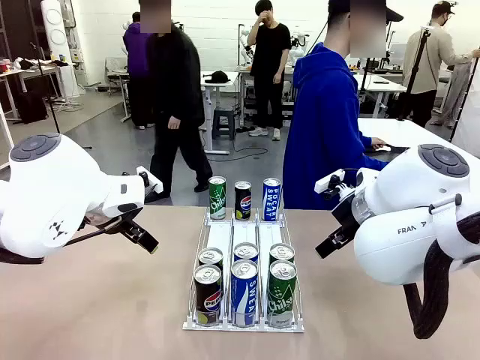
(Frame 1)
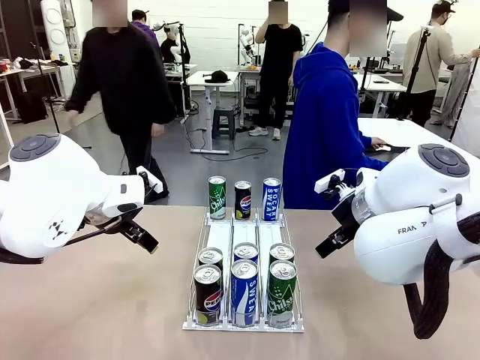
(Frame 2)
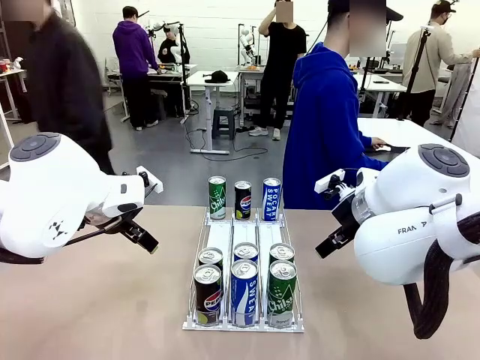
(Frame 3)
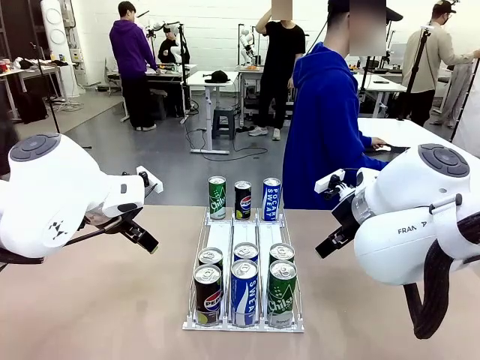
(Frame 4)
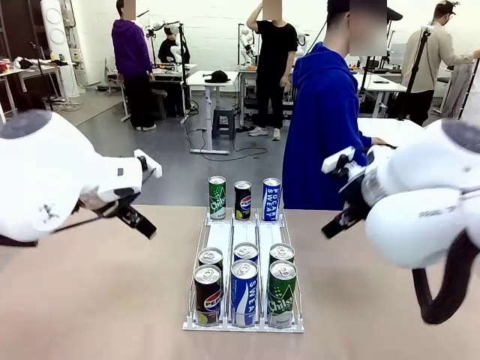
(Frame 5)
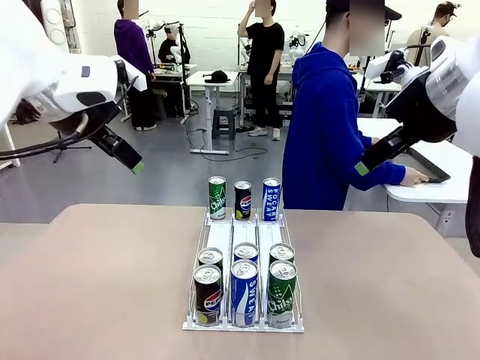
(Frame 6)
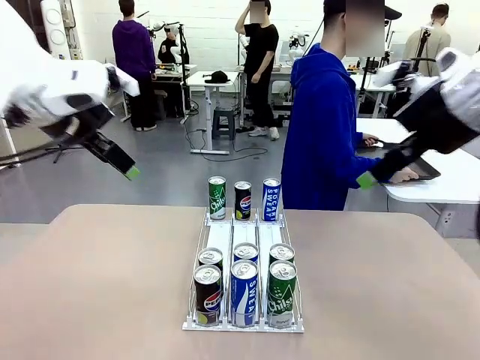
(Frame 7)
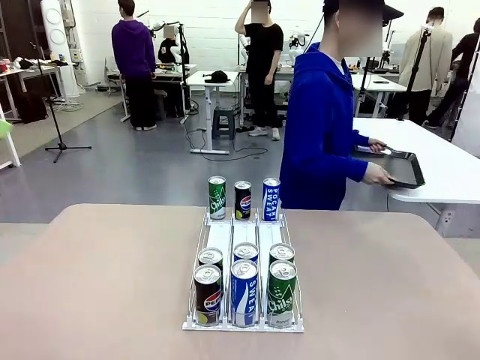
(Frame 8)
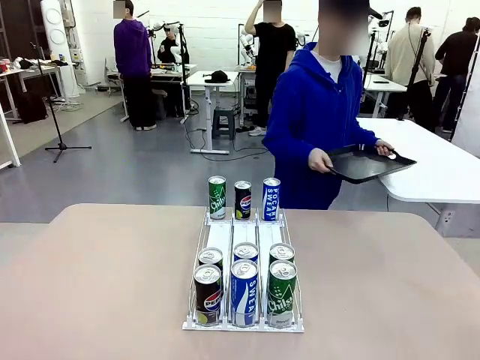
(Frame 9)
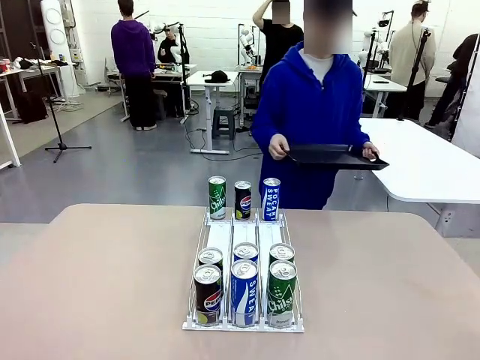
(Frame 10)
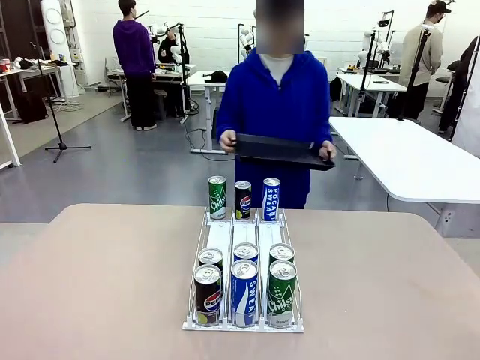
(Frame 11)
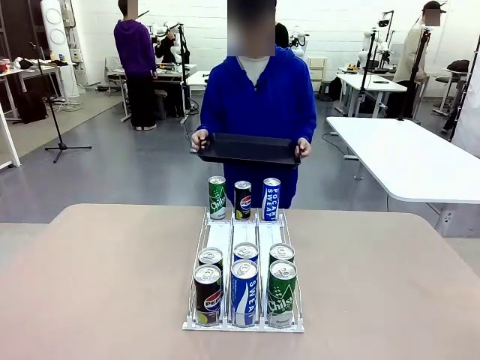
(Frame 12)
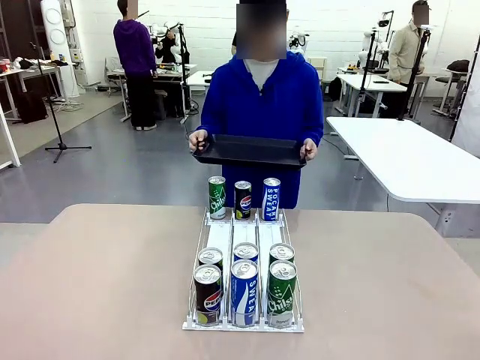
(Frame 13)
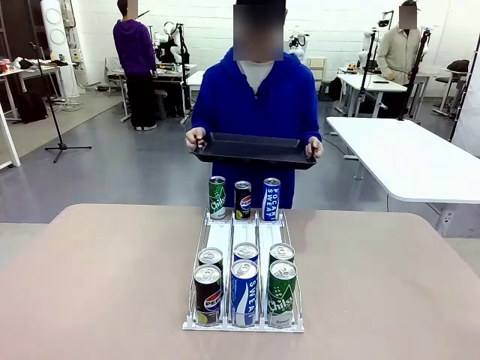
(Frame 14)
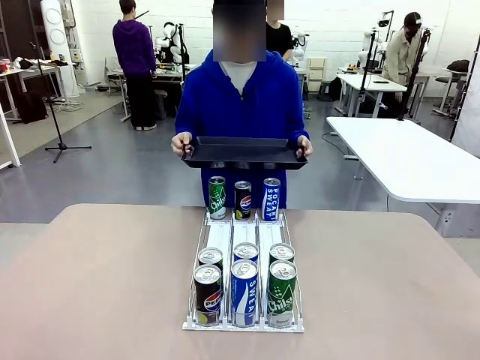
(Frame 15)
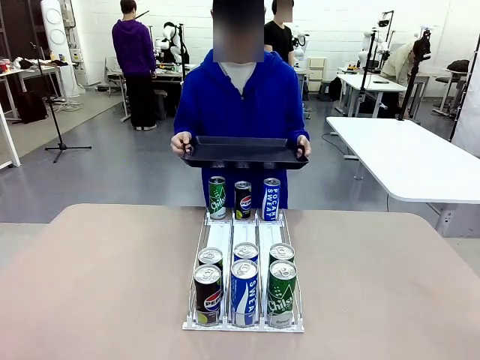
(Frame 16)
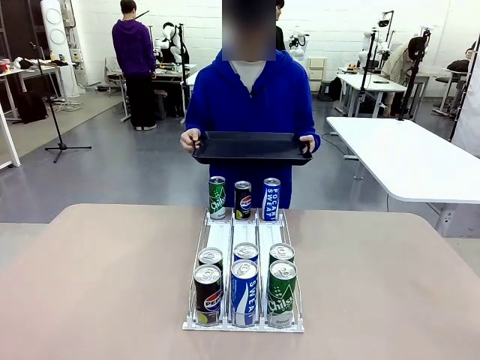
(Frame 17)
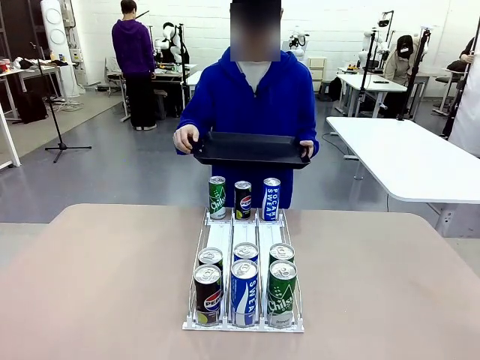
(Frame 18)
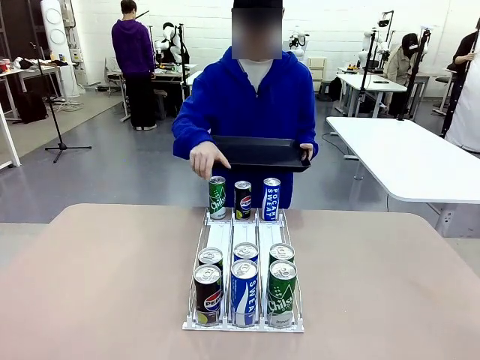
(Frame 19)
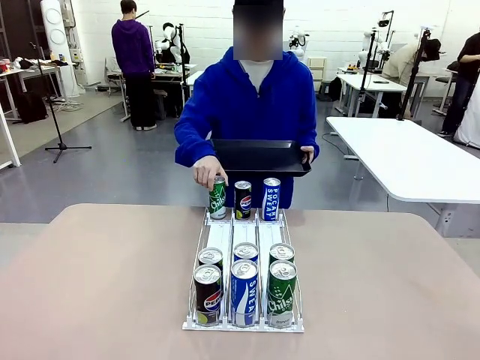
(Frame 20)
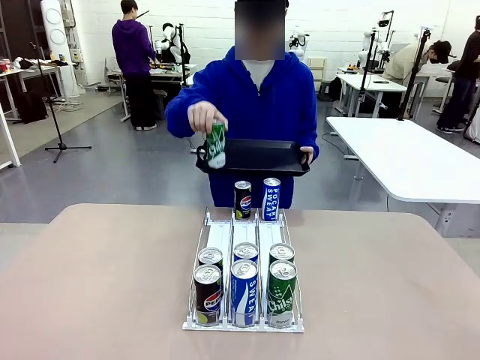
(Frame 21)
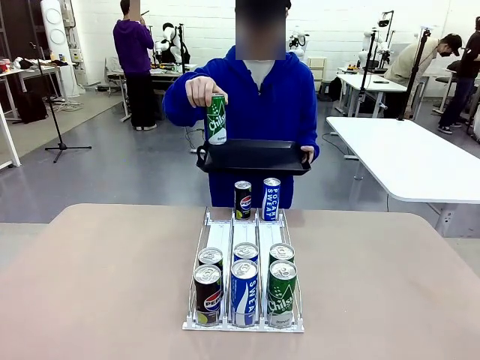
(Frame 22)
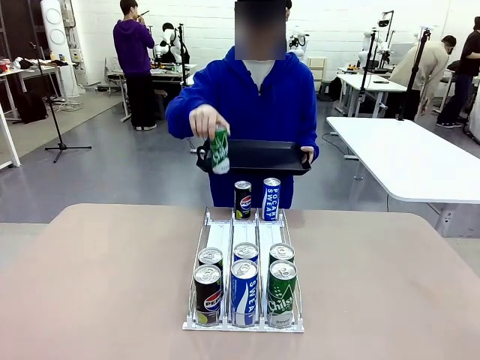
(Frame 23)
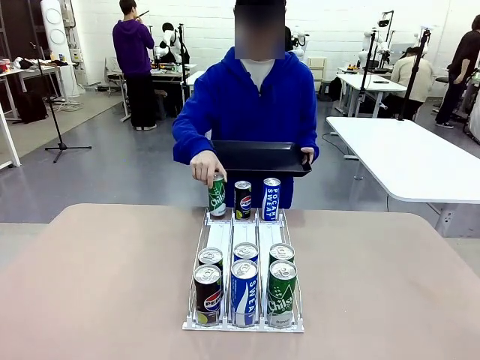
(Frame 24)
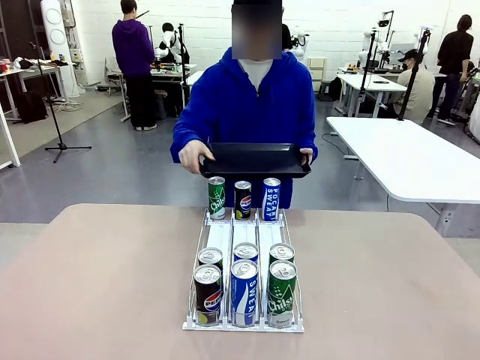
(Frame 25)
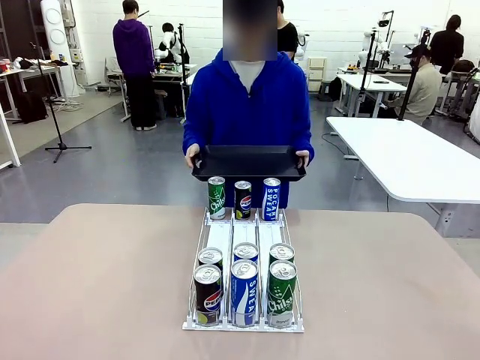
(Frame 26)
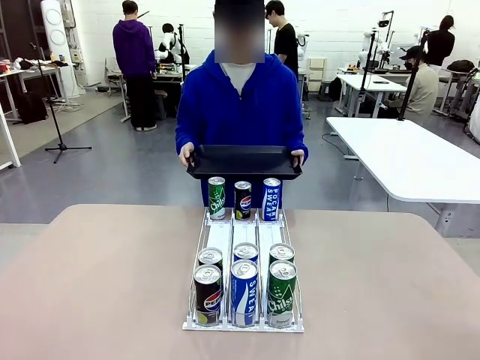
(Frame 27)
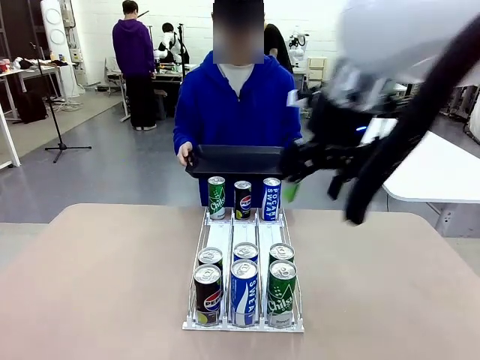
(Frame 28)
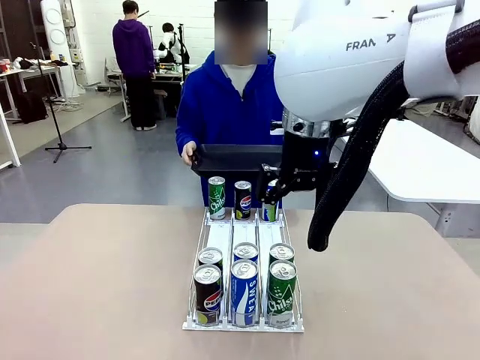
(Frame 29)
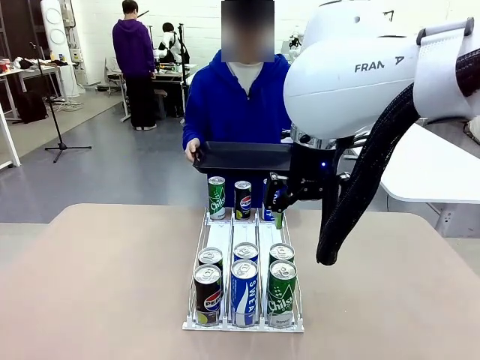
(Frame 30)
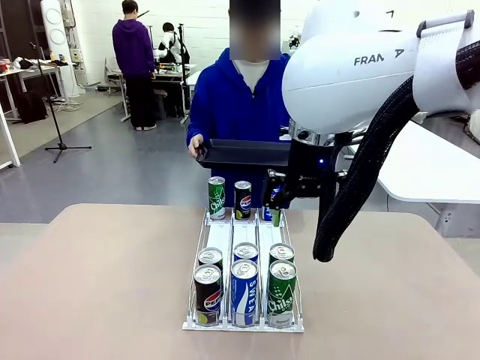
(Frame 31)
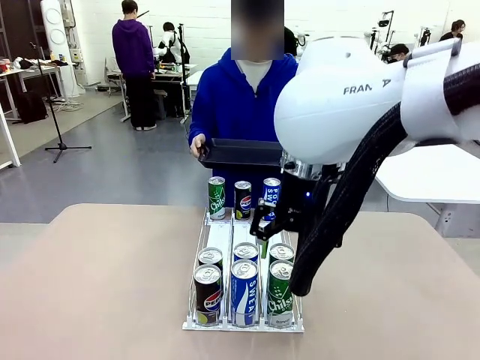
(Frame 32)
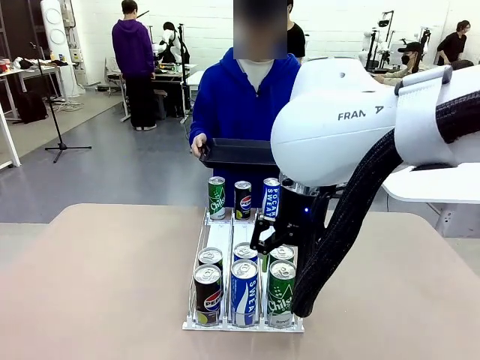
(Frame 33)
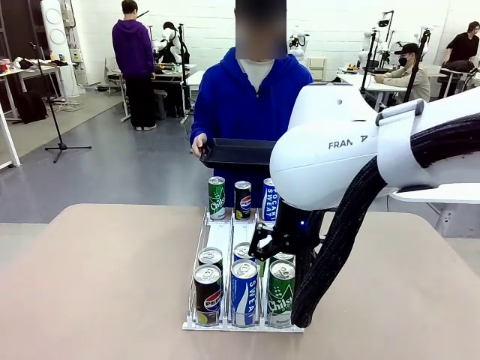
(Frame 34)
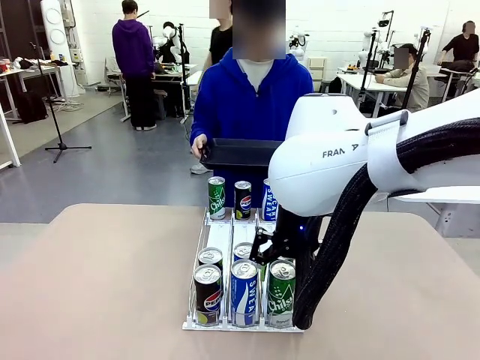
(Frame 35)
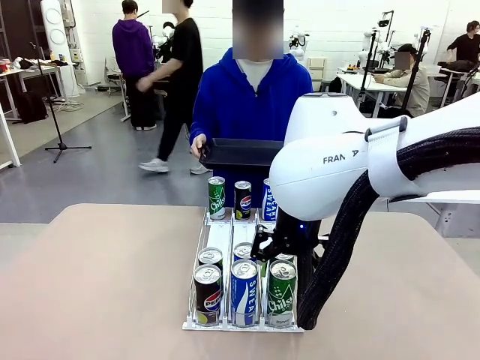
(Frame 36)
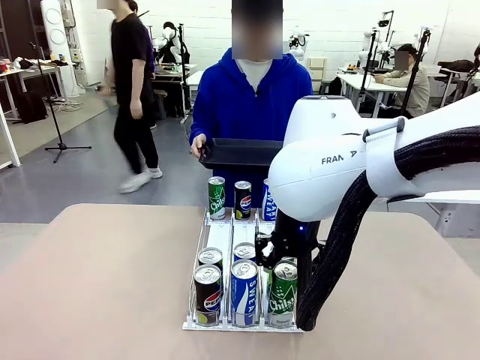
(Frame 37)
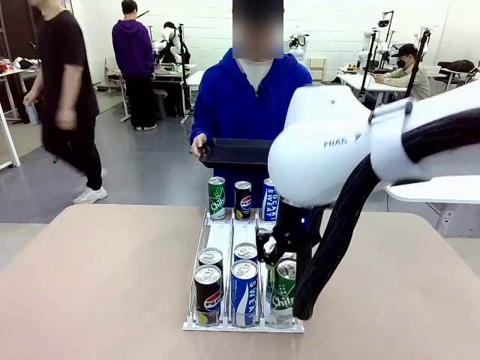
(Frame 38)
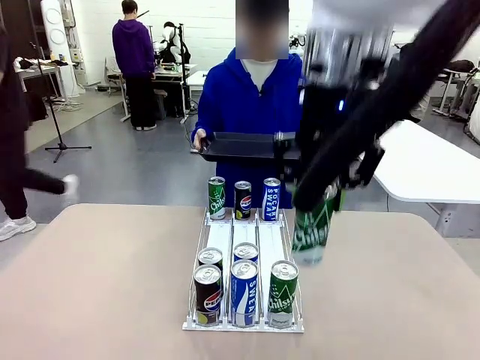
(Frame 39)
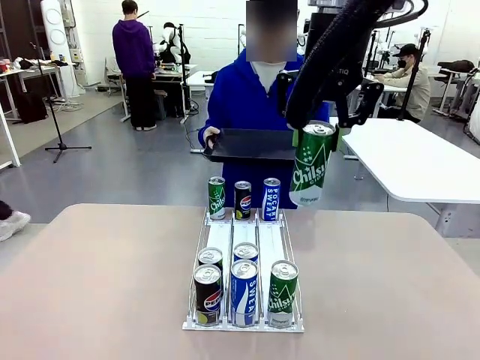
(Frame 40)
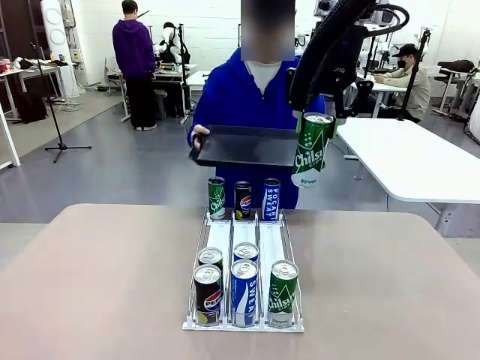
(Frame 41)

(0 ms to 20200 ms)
Task: Retrieve and hand over the desired beverage to the person.
Robot: Pick up a can of the same type that the person held from the Automatic Can Dispenser.
Person: Hold the tray and position yourself in front of the robot table. Pick up one can from the bottom area of the table and puts it back in its original place. Push the tray toward the robot.

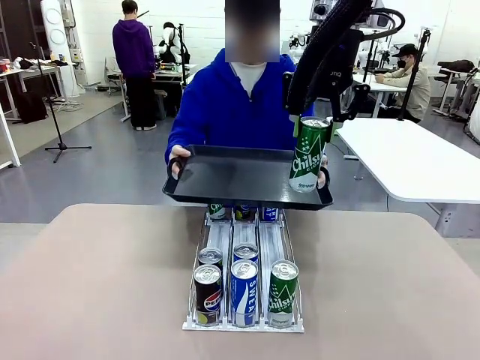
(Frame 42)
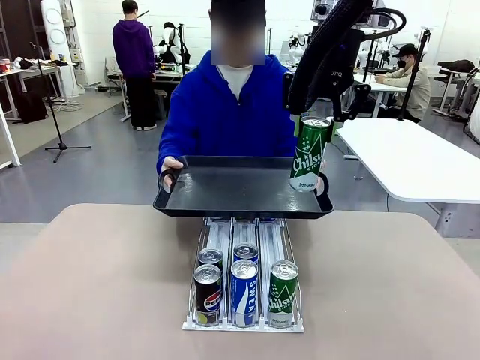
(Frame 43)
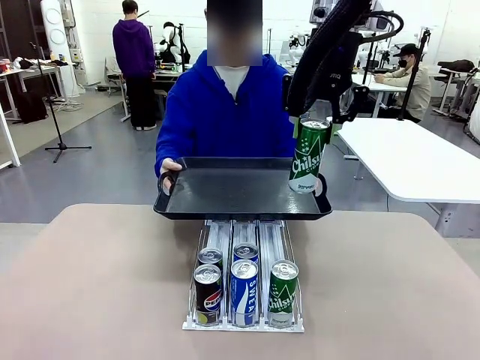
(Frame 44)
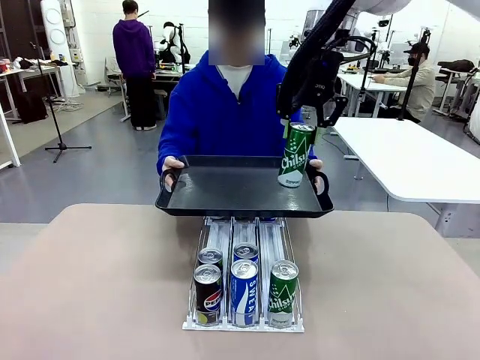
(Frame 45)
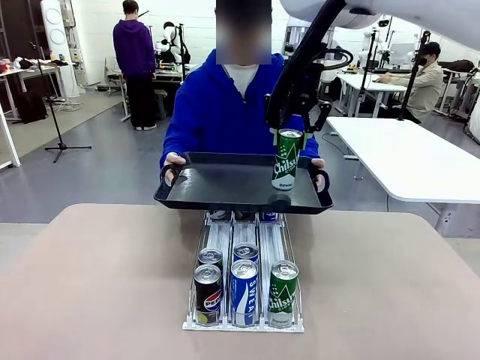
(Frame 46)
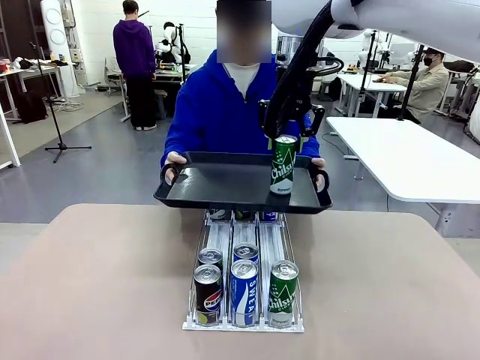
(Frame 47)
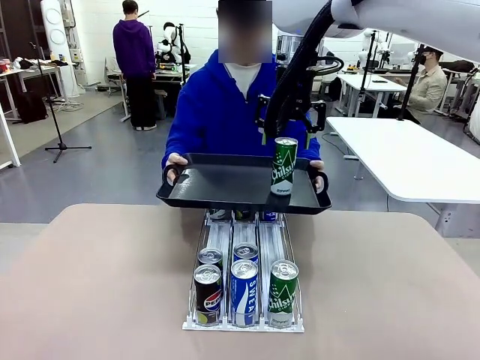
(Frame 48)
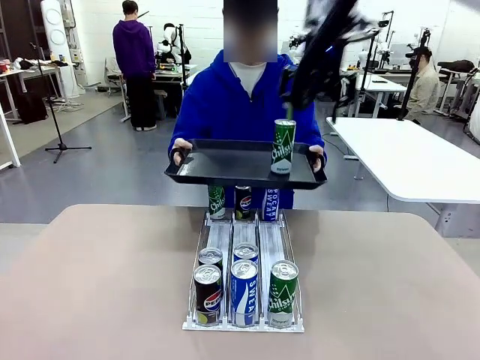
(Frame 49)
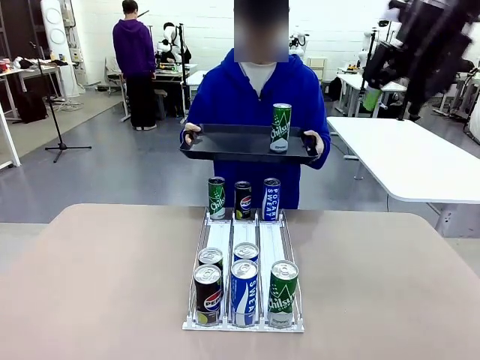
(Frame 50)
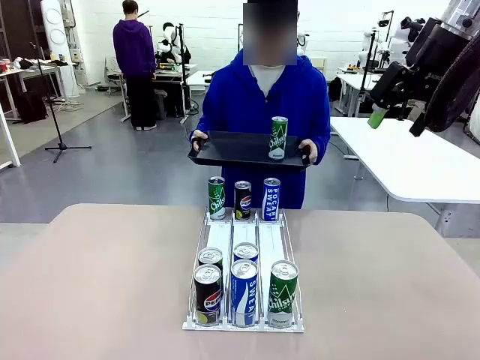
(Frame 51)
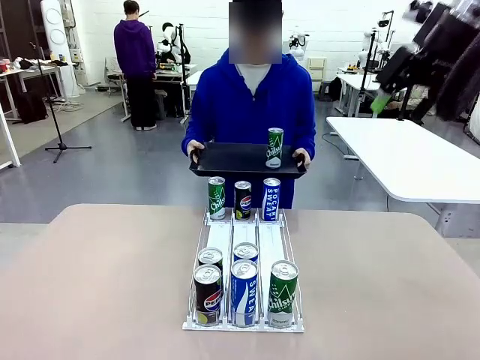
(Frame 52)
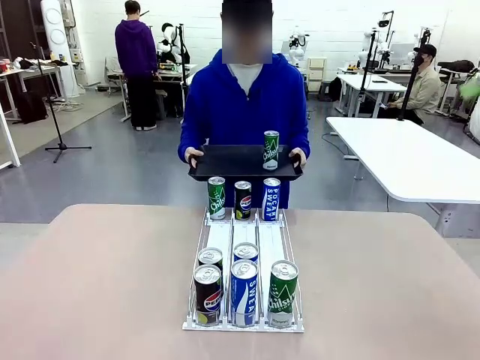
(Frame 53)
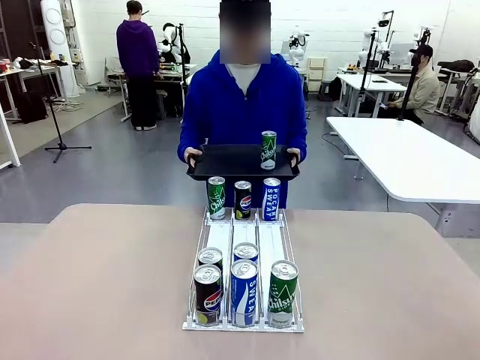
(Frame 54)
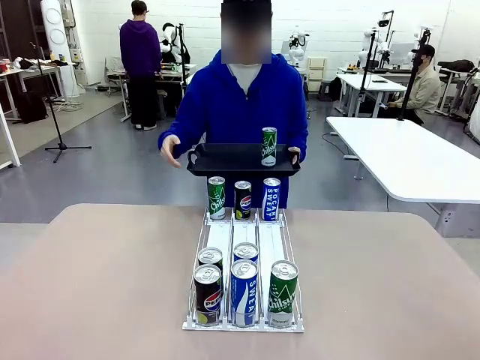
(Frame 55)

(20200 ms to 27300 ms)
Robot: Place the picked can on the Handle tray extended by the person.
Person: Pull the tray back, then pick up another can from the bottom area of the table and puts it back in its original place.
